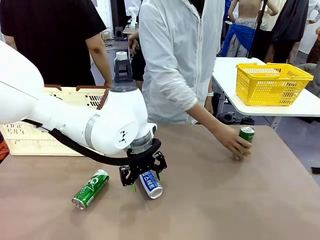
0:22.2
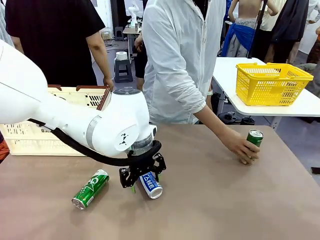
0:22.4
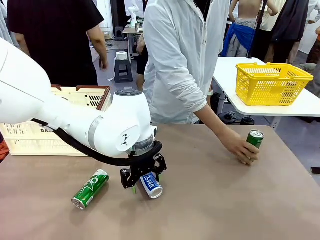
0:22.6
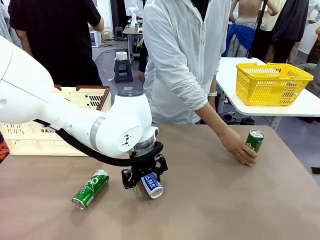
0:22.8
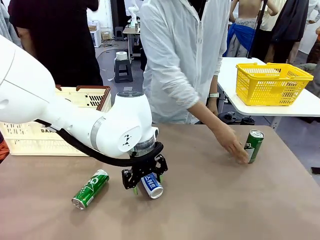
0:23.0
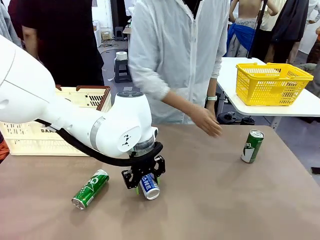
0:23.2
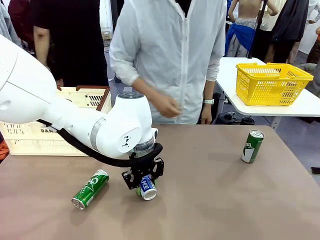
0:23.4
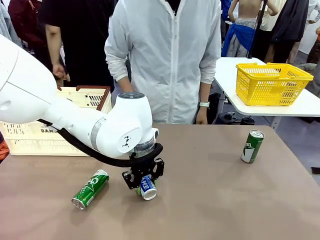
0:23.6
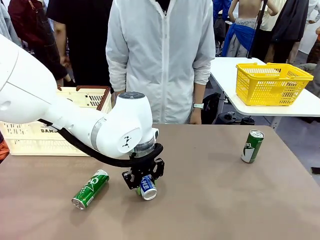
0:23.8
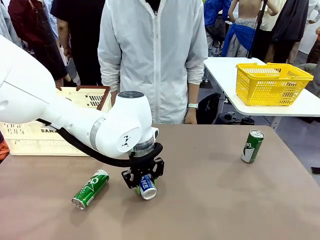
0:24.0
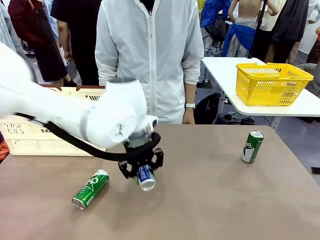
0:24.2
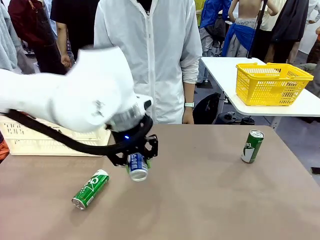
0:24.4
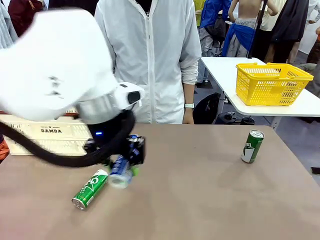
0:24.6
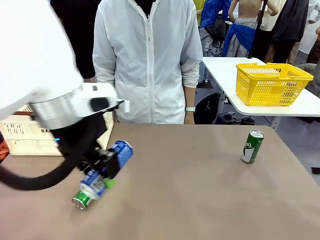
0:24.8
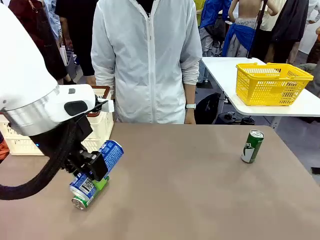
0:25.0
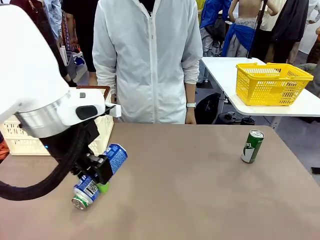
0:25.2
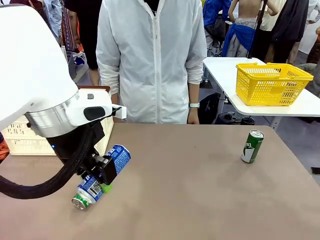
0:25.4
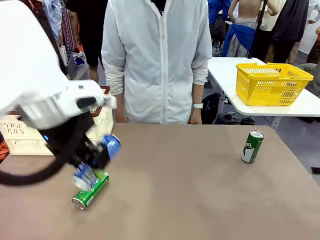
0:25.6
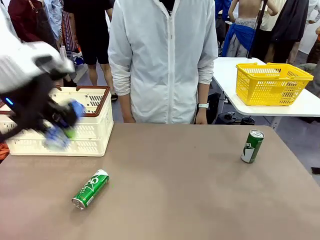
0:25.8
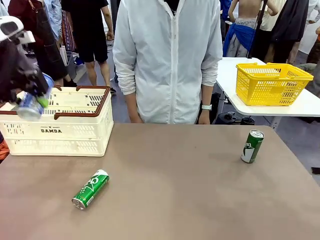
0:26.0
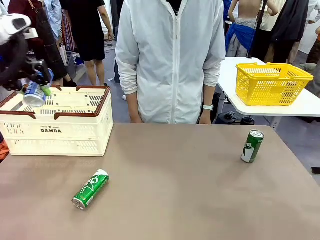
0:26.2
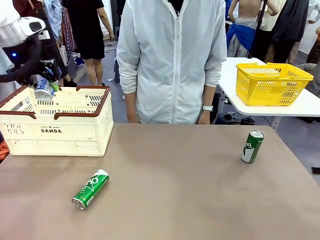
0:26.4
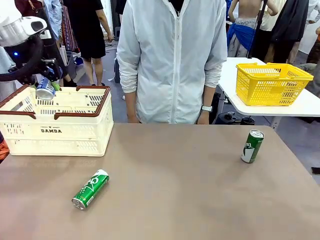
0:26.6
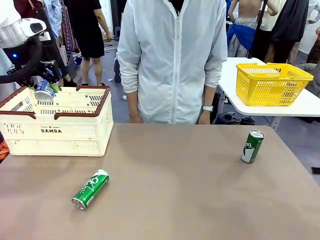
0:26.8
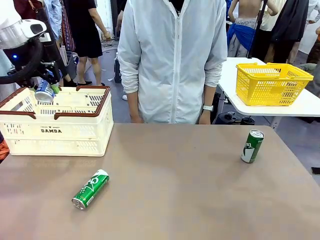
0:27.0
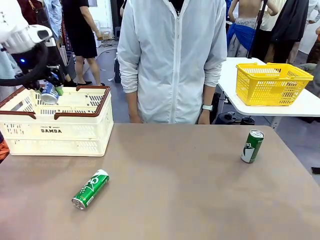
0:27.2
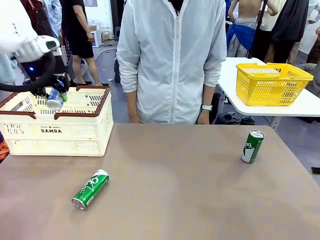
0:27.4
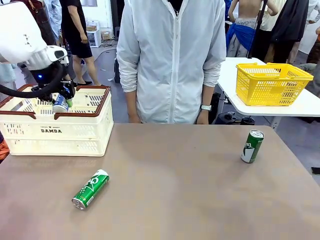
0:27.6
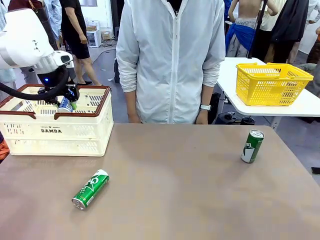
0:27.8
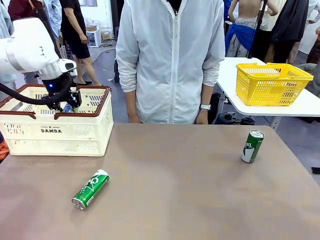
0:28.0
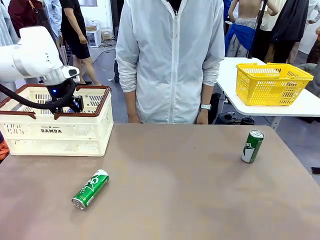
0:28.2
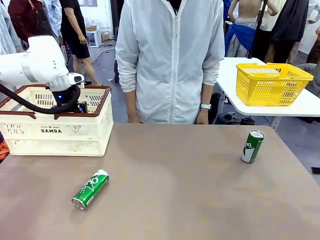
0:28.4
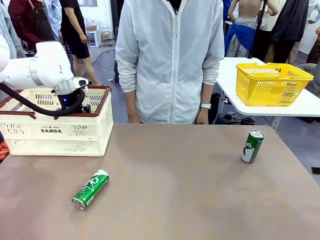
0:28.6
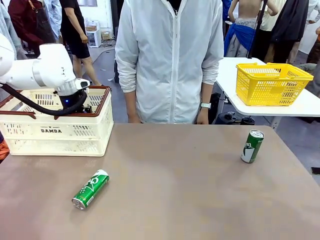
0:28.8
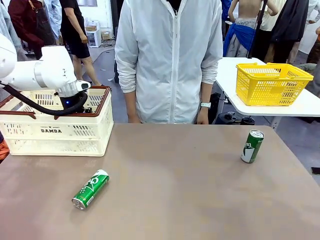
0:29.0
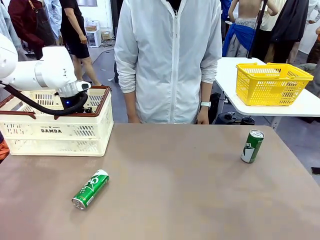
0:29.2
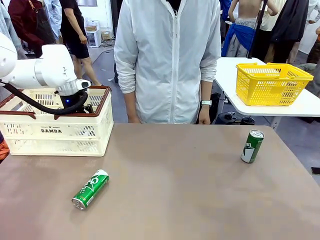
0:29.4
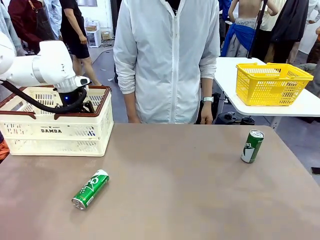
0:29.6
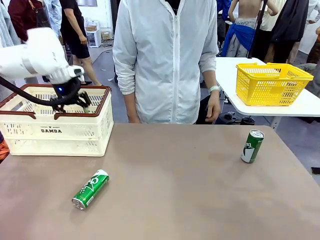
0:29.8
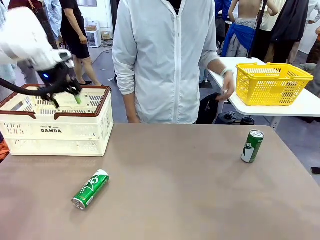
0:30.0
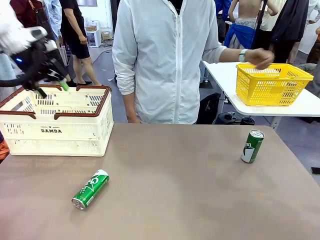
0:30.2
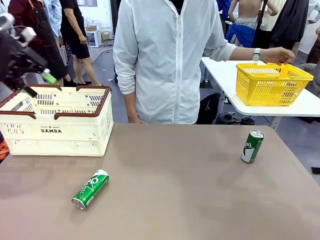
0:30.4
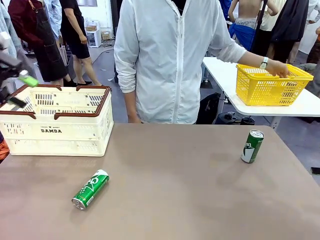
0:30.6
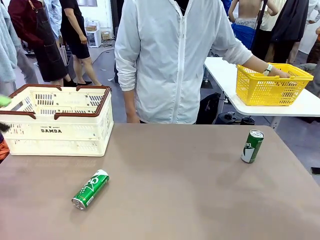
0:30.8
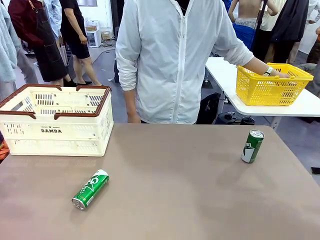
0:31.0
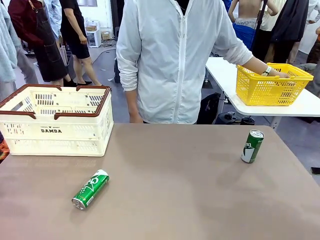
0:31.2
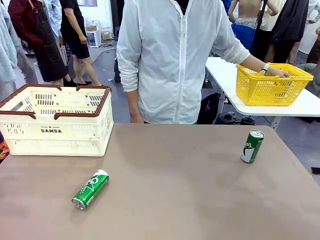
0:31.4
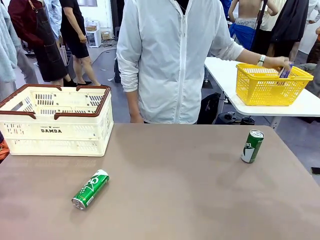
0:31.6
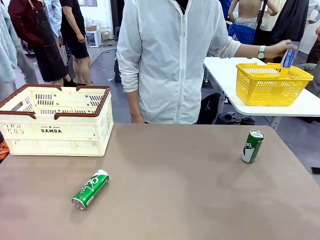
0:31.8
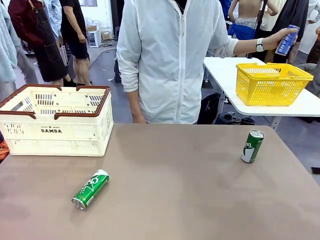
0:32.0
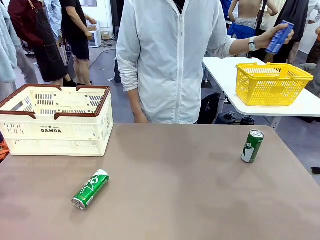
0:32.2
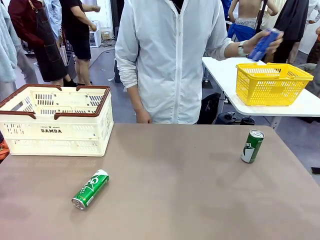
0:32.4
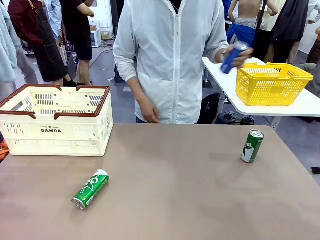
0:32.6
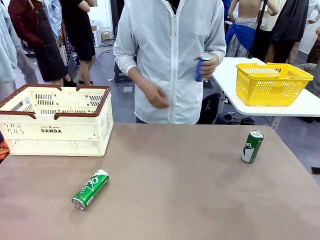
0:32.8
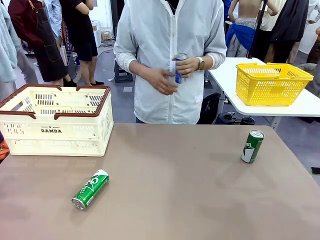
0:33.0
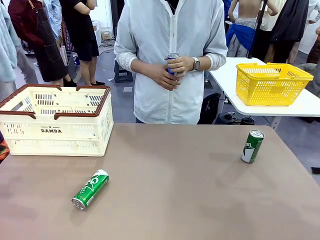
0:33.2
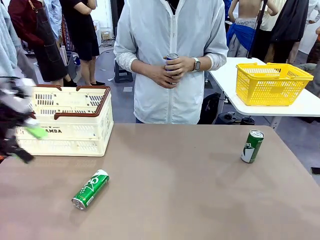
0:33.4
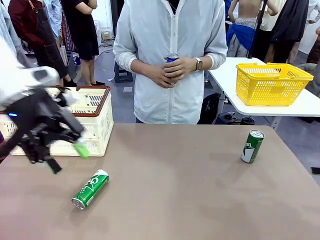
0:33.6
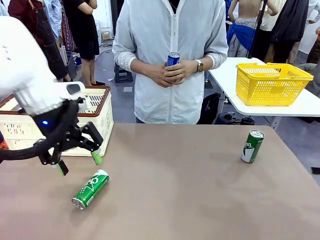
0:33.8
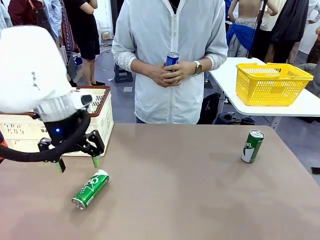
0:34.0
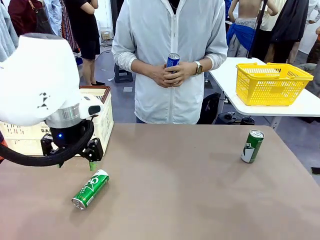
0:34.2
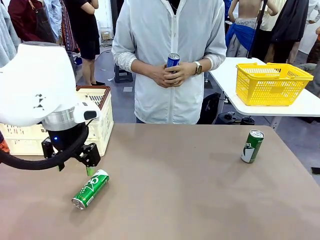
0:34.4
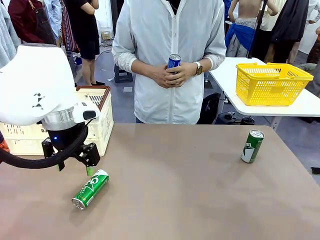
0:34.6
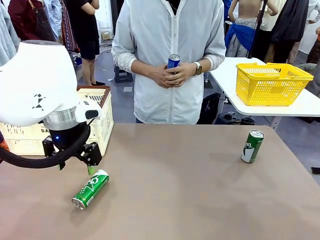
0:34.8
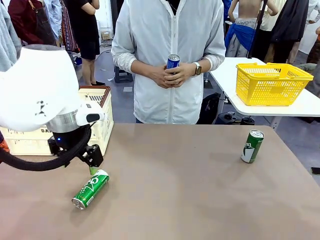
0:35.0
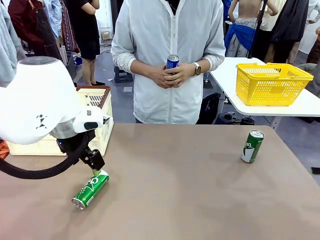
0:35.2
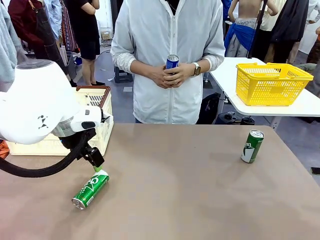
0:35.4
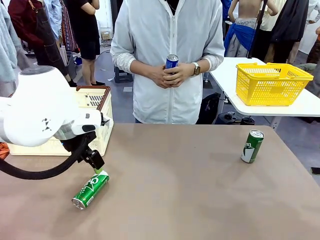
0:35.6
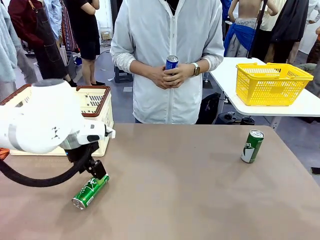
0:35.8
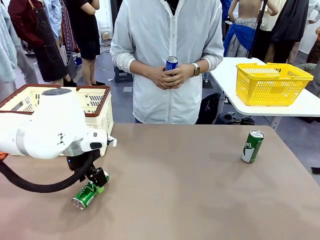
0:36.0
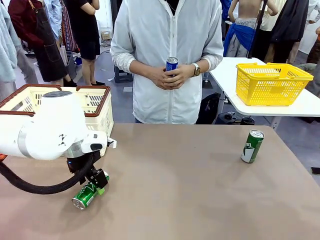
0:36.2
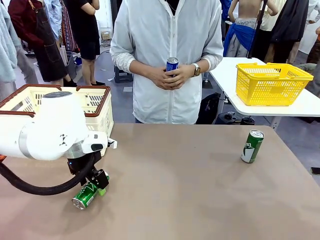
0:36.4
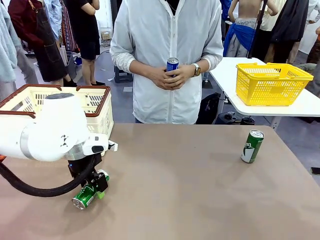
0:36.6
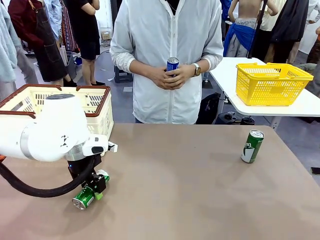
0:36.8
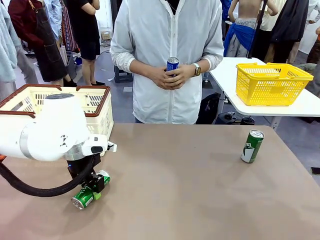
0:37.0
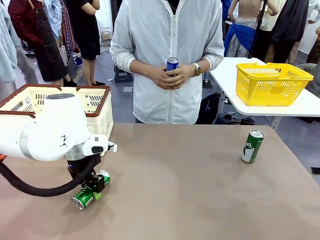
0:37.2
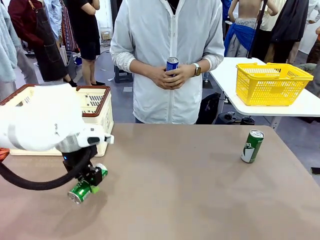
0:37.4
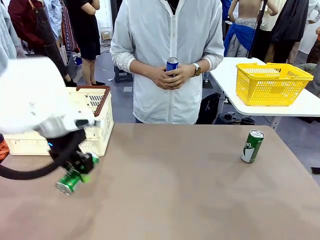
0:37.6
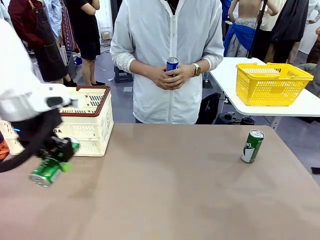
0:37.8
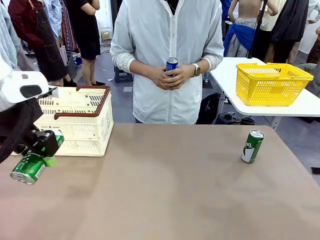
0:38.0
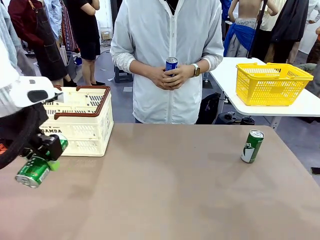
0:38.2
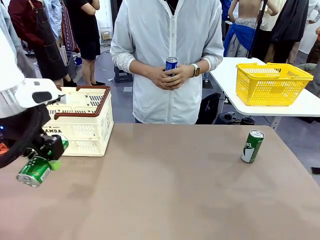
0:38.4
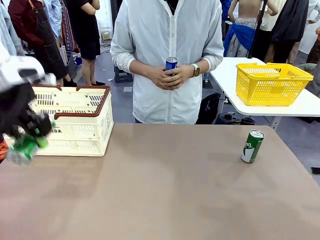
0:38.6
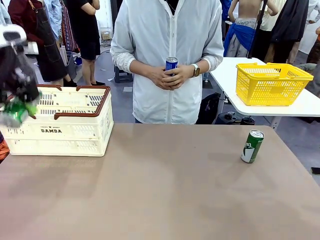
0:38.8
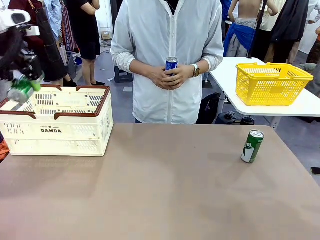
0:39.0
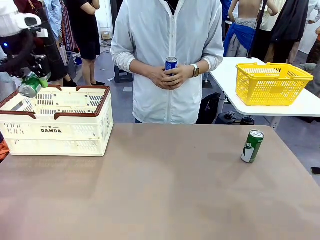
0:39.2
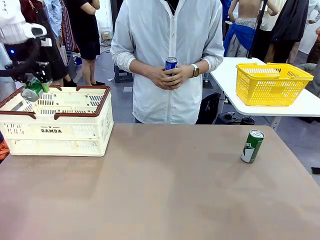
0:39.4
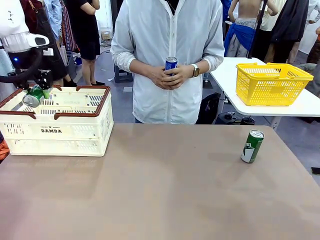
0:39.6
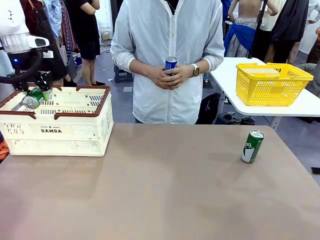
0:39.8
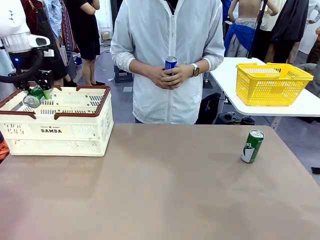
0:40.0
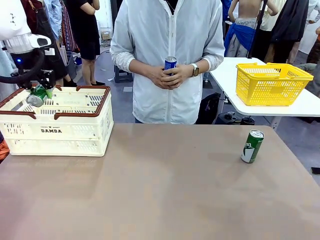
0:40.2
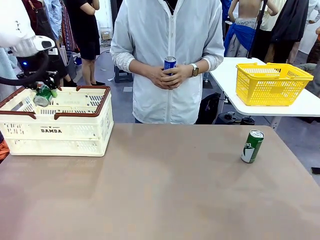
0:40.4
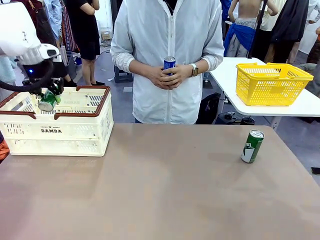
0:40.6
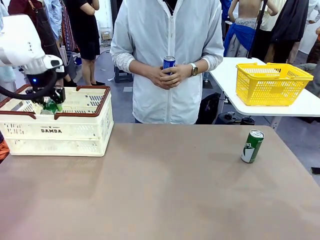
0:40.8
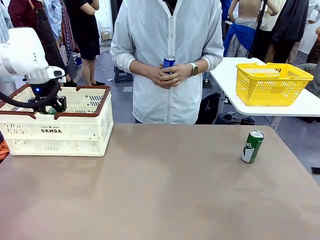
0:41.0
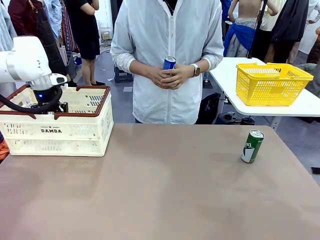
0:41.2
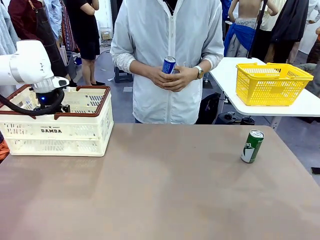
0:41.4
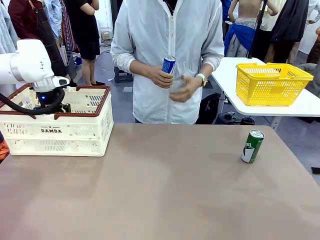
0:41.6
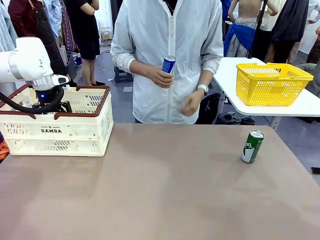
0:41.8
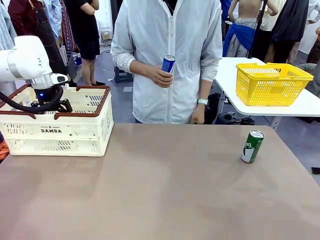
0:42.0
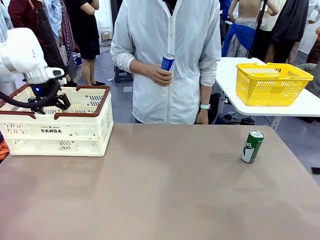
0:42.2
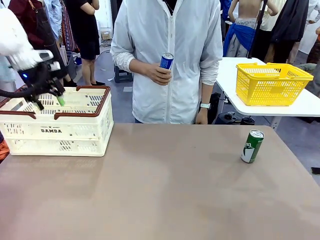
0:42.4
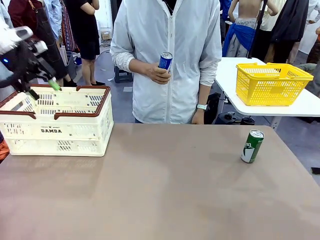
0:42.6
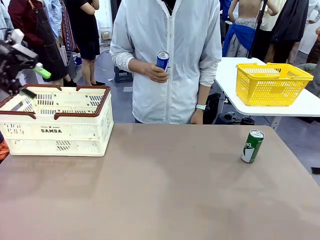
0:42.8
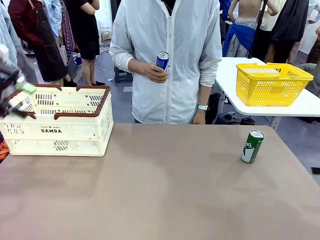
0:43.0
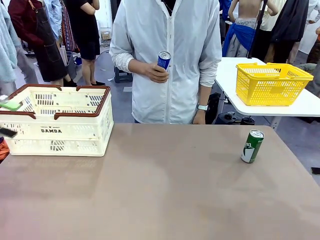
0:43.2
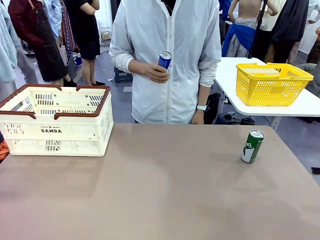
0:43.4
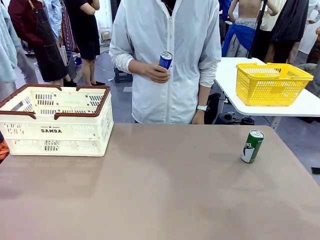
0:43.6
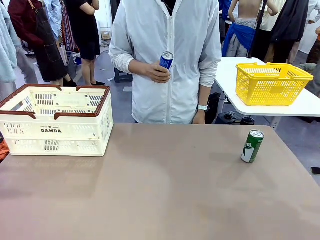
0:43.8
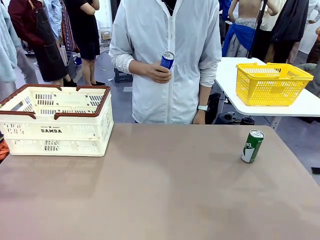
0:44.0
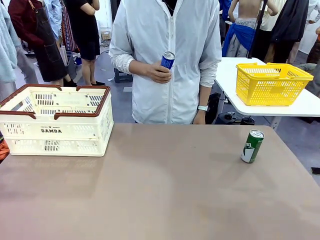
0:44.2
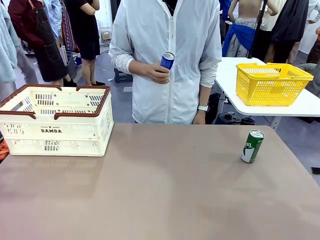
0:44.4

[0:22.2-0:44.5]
Task: Place the drinks into the Shopping basket.
Robot: Pick up one drink and place it into the Shopping basket.
